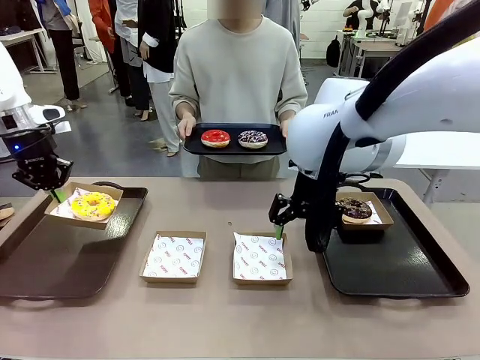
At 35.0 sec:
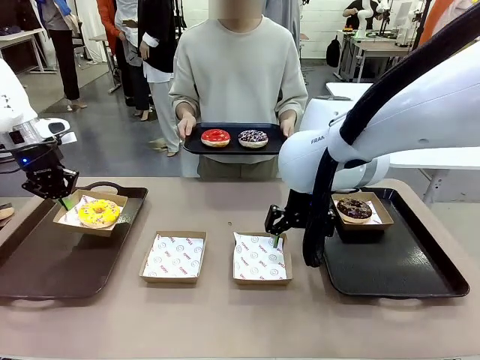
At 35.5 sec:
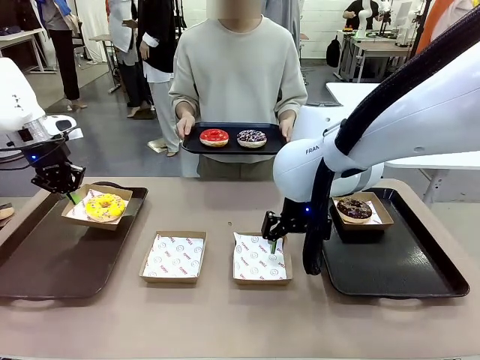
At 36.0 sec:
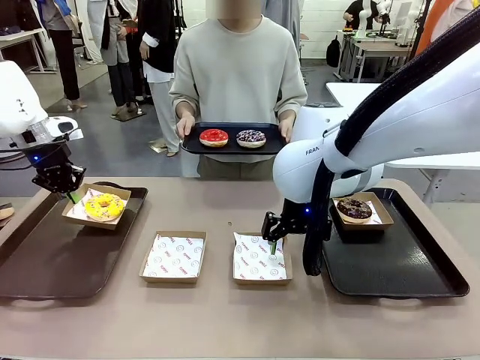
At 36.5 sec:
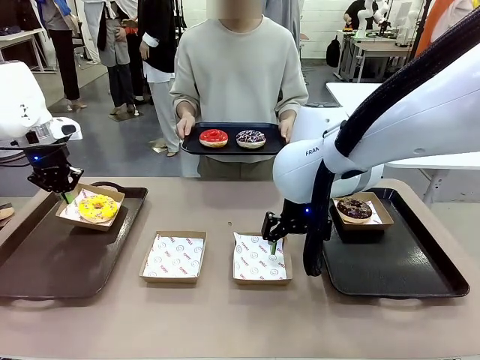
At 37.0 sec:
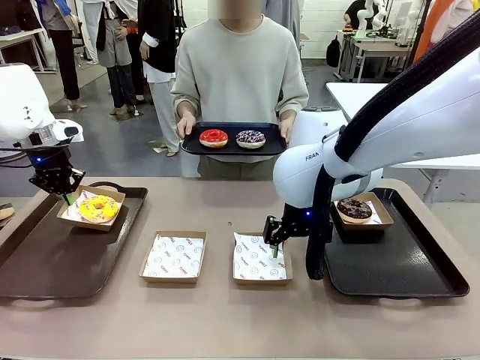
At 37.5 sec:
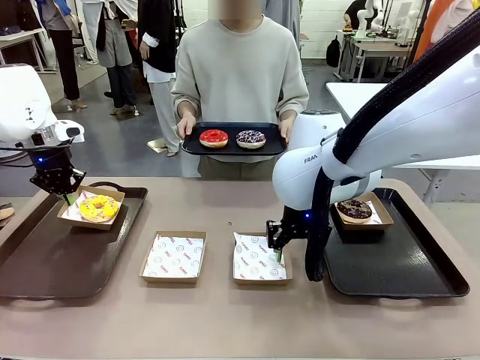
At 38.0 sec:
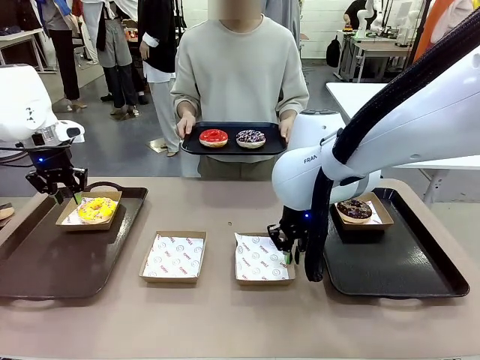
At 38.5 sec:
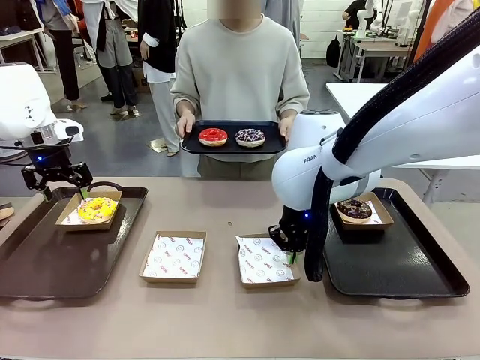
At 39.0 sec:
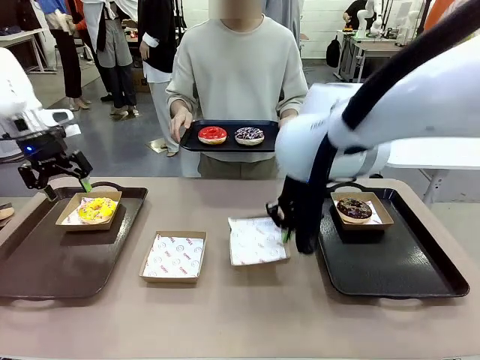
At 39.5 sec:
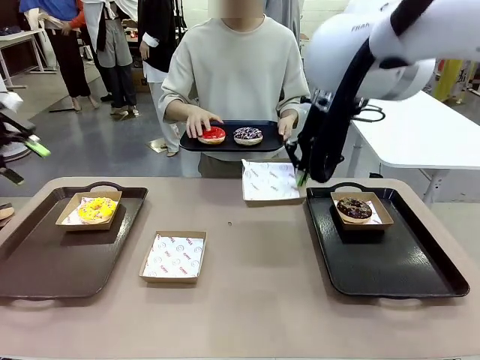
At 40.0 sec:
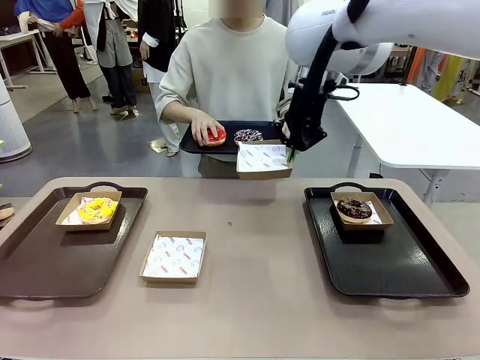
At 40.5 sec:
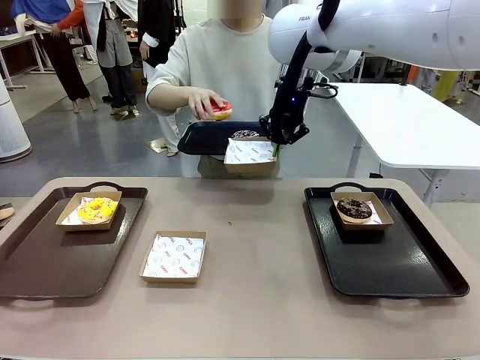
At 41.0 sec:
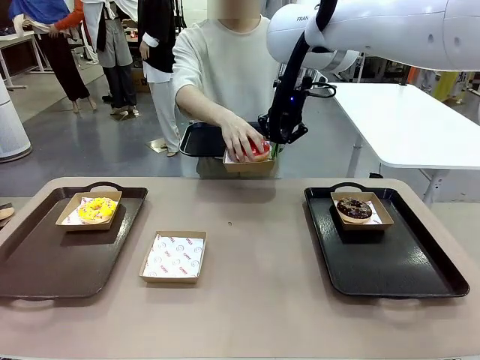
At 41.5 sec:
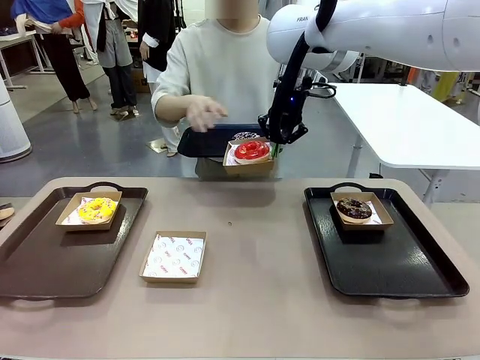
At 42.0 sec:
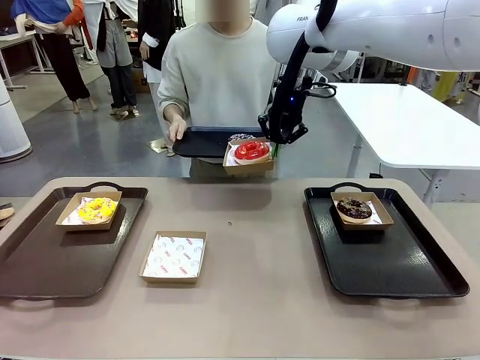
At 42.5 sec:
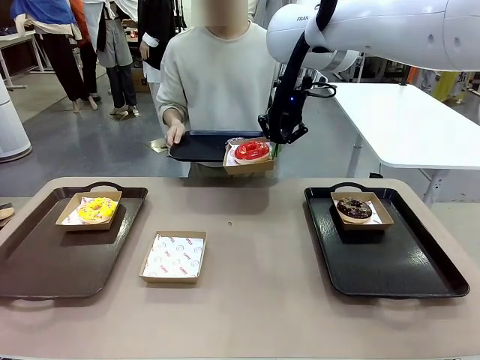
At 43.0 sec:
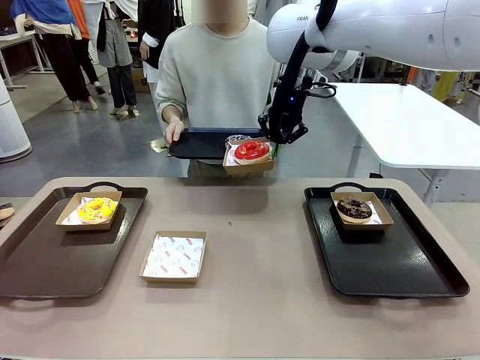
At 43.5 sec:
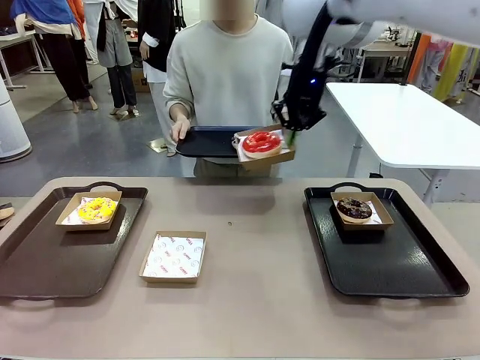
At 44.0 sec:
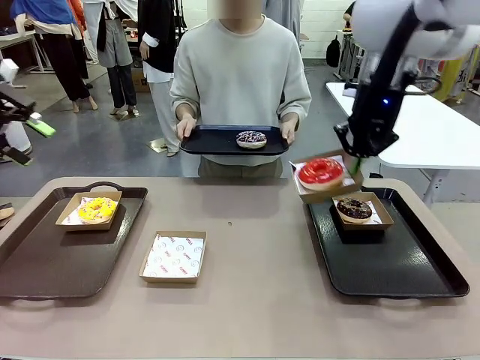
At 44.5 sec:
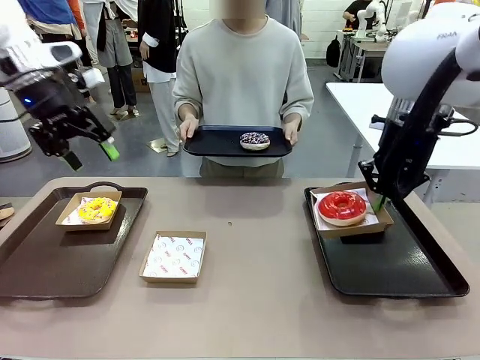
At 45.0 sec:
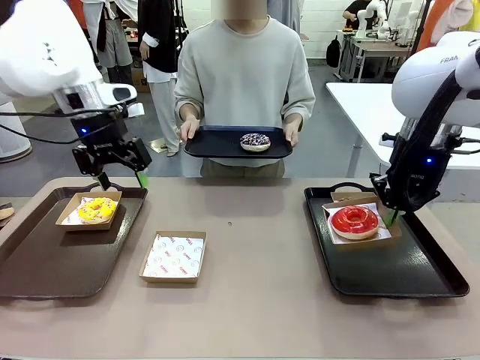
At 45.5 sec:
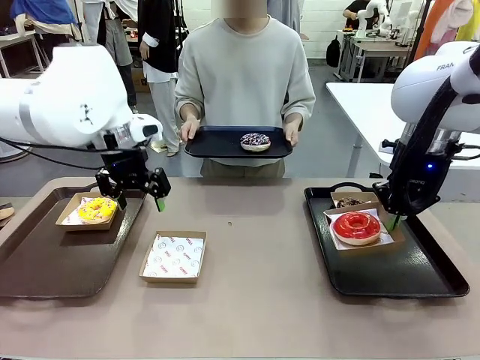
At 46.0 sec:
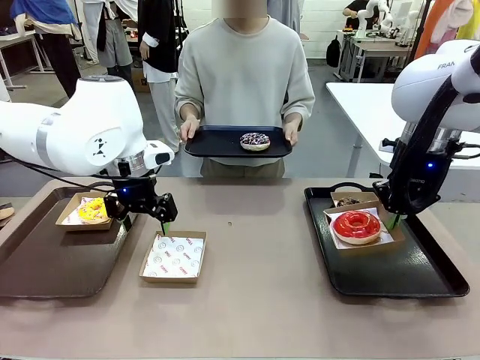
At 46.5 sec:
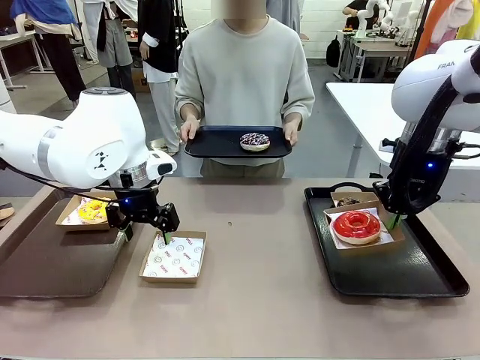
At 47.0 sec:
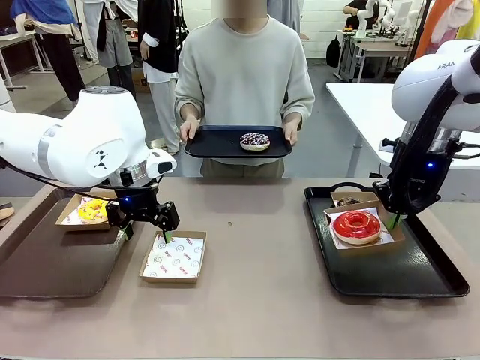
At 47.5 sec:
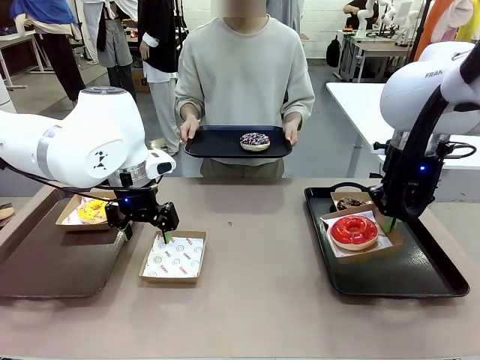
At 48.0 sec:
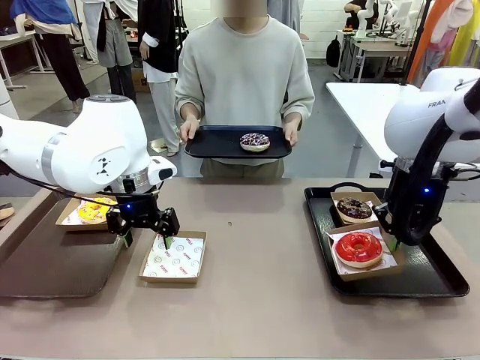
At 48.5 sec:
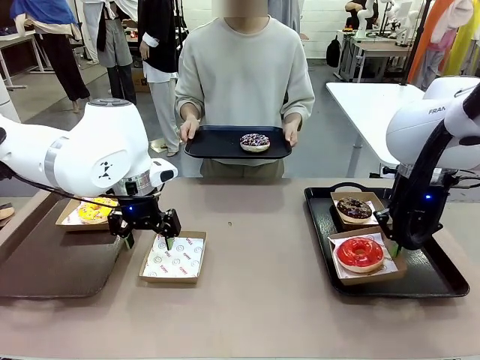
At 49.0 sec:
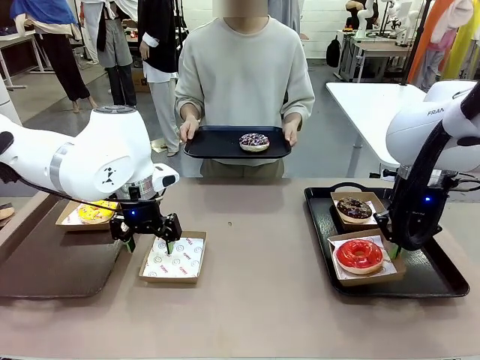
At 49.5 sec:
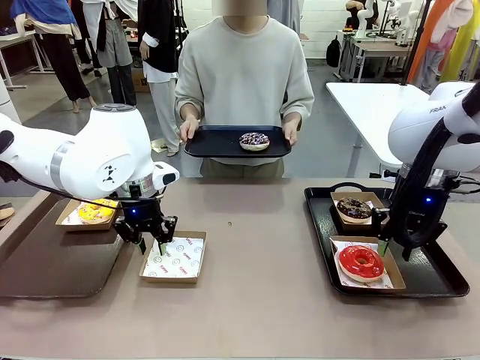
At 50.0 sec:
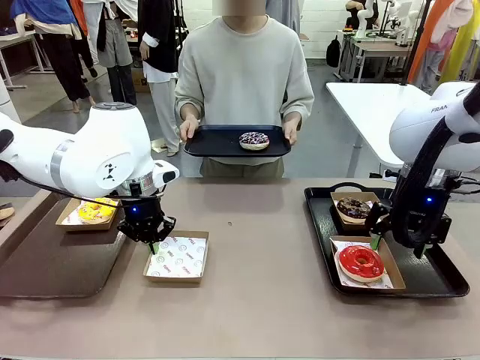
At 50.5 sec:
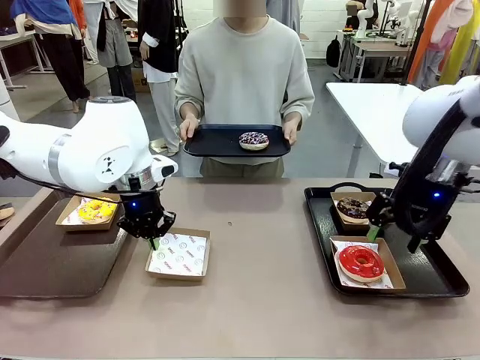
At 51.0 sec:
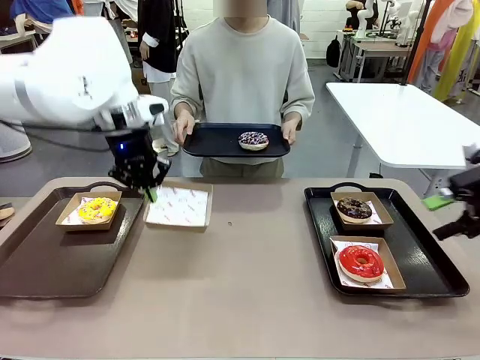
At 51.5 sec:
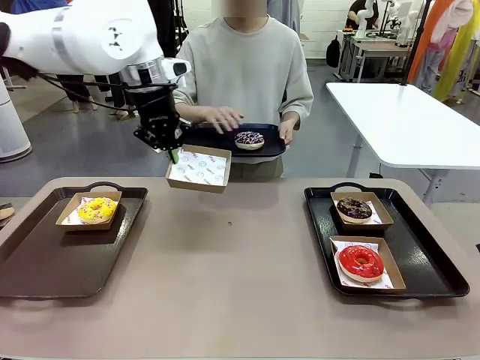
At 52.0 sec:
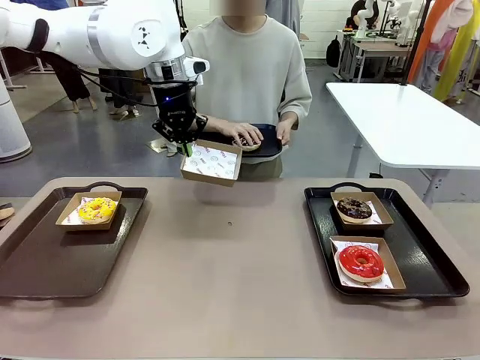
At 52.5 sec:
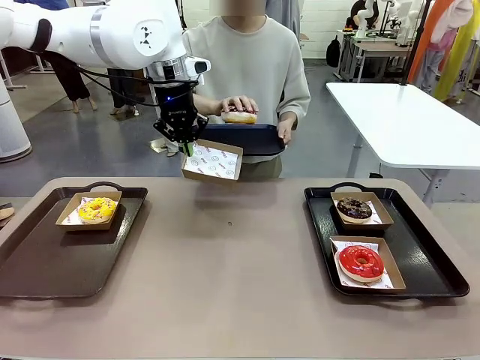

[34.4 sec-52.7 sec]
Task: Individually package the donuts and arrange them on the tray.
Robot: Place the picked Paper togo box on the Handle tray while simultaneously picking up another Paper togo box from the table with the other hand.

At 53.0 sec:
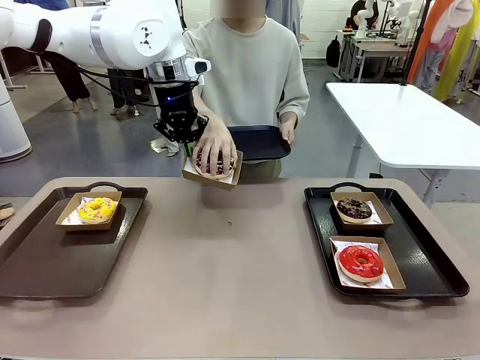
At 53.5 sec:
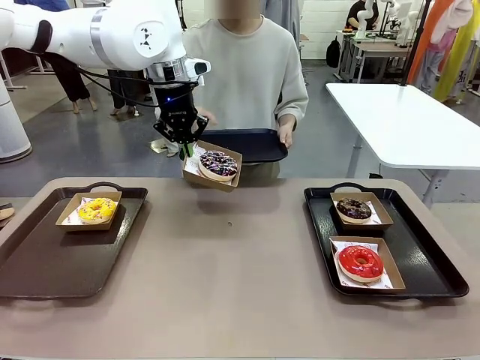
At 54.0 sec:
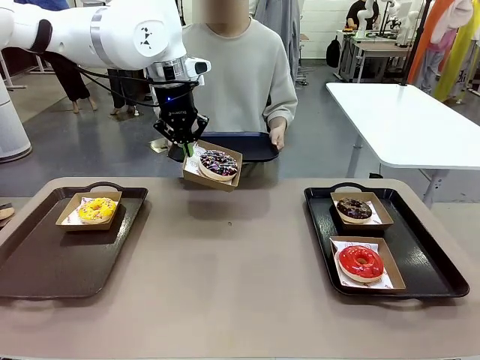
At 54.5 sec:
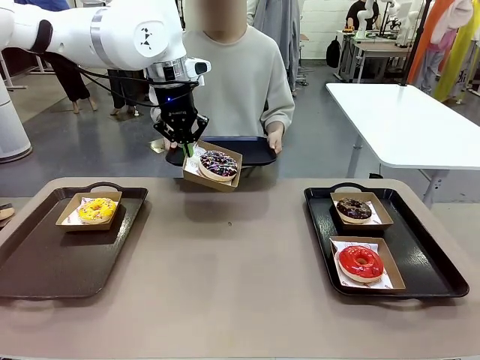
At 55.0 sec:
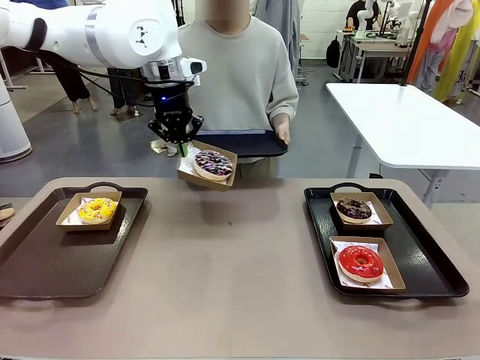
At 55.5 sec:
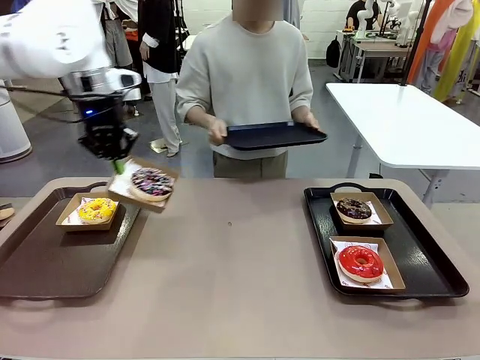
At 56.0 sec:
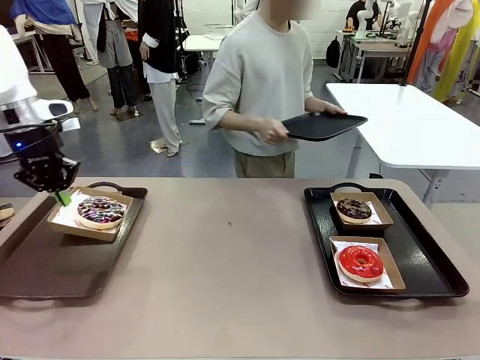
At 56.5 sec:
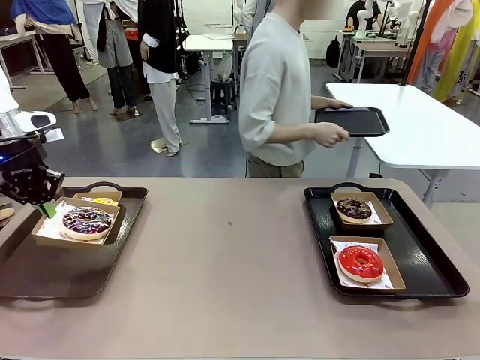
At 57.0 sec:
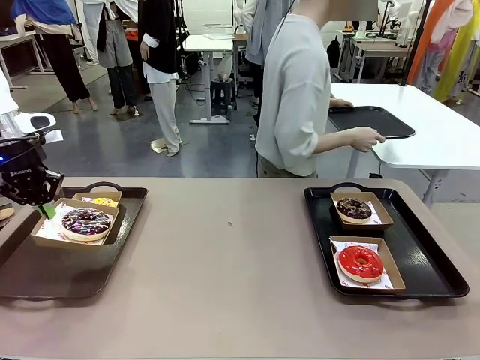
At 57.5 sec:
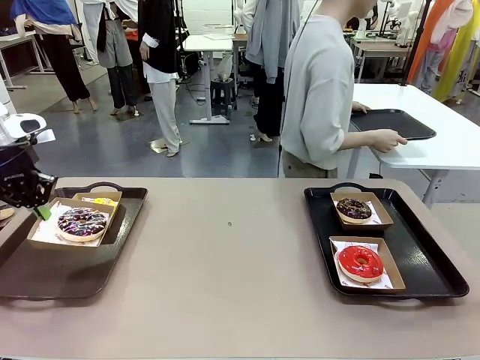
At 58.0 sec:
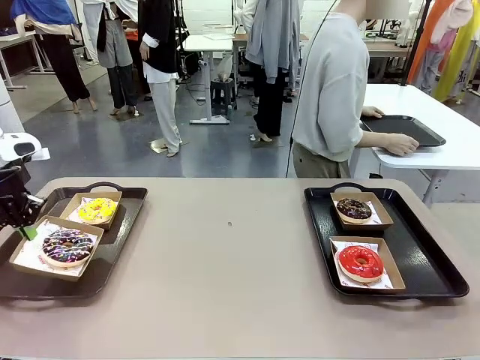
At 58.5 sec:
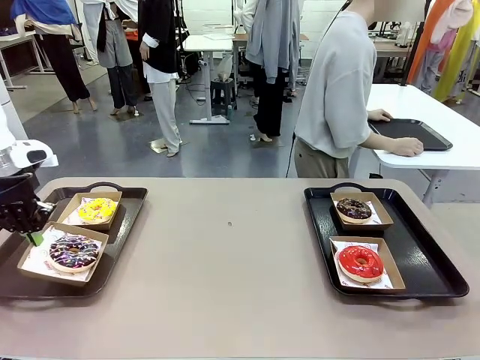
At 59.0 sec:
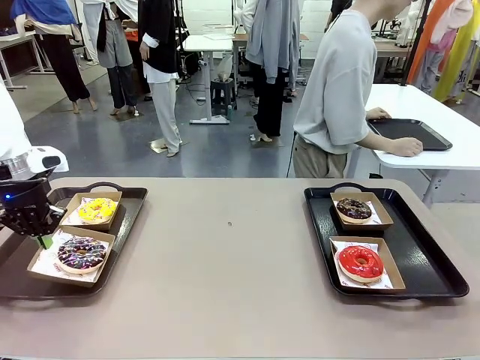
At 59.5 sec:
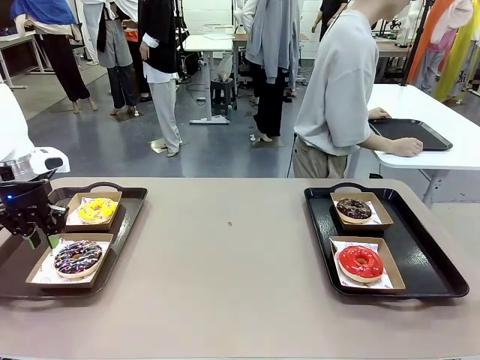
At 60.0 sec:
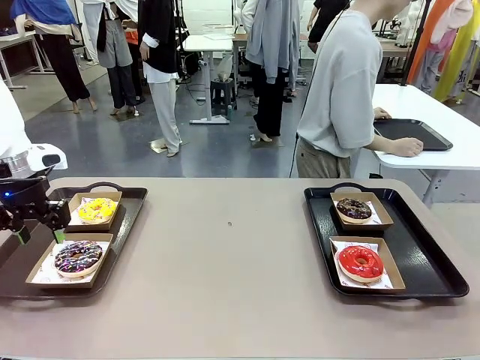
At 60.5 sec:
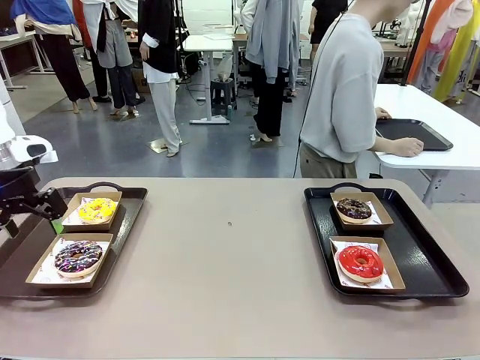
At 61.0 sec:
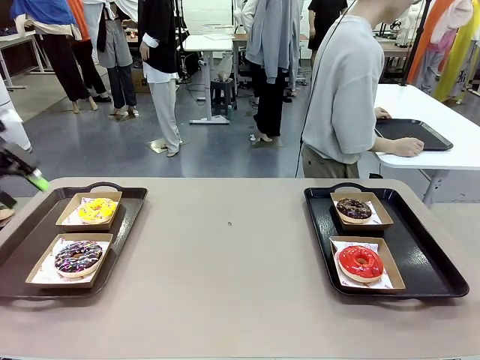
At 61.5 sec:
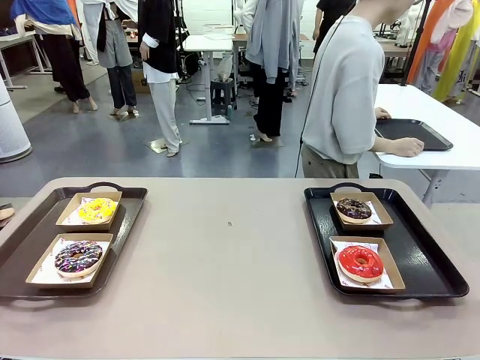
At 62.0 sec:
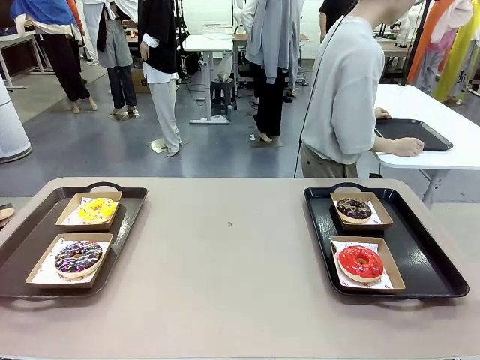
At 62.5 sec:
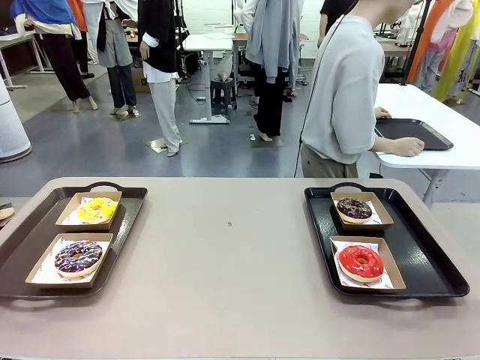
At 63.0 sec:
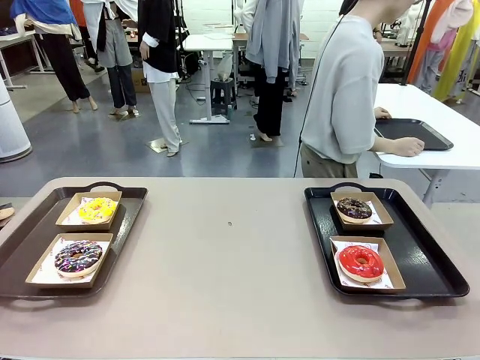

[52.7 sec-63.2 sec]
Robot: Place the picked Paper togo box on the Handle tray.
Person: Place the tray down in the middle of the human table.
